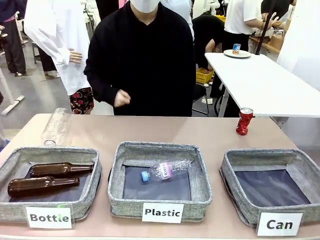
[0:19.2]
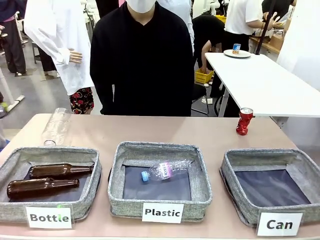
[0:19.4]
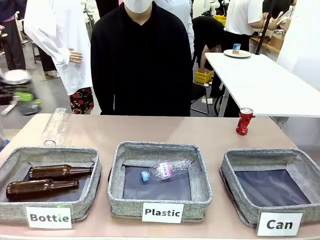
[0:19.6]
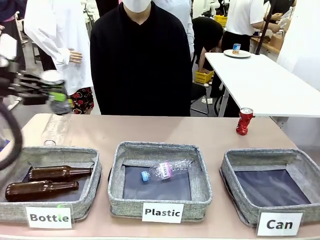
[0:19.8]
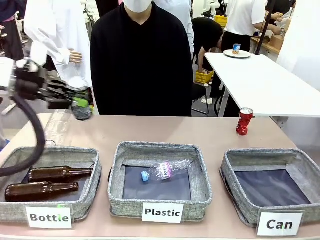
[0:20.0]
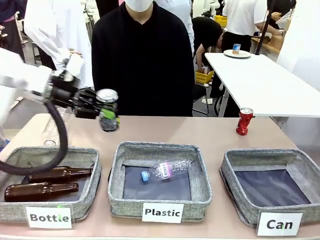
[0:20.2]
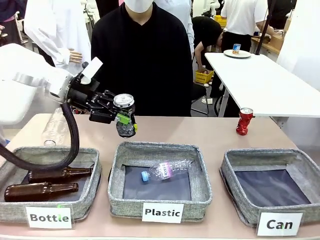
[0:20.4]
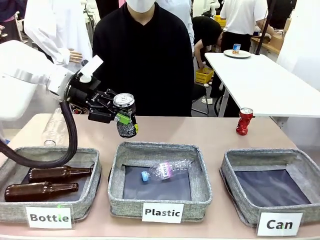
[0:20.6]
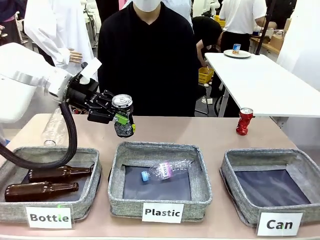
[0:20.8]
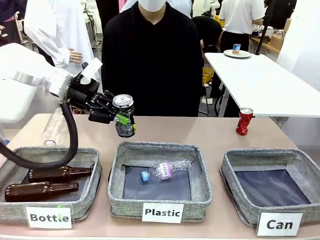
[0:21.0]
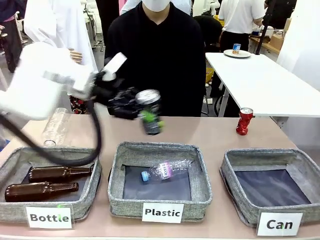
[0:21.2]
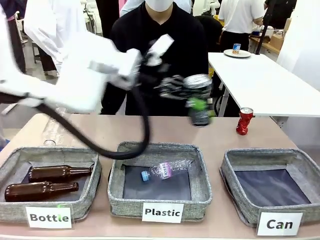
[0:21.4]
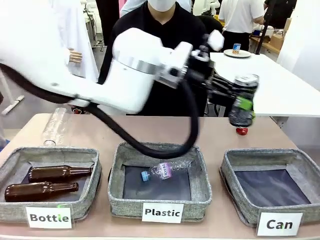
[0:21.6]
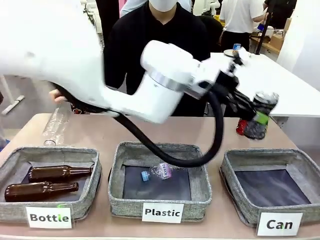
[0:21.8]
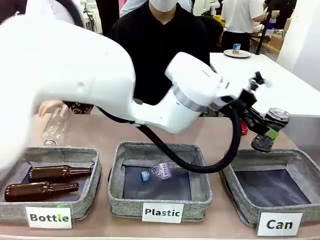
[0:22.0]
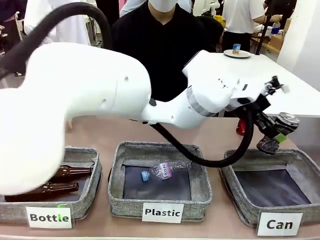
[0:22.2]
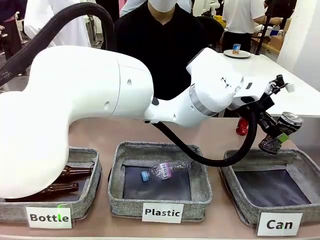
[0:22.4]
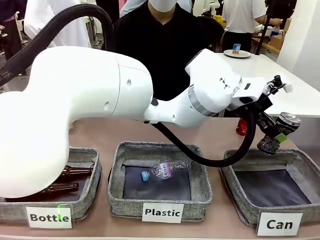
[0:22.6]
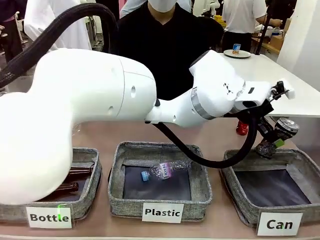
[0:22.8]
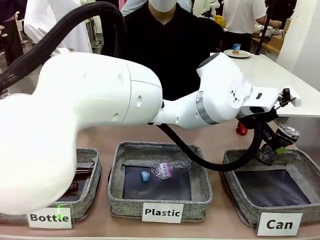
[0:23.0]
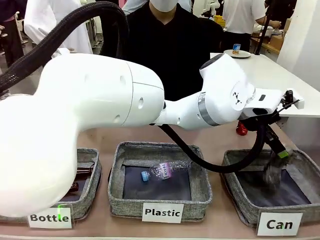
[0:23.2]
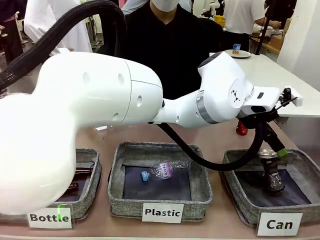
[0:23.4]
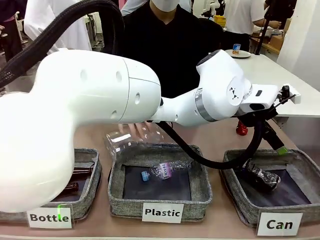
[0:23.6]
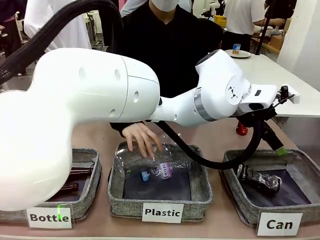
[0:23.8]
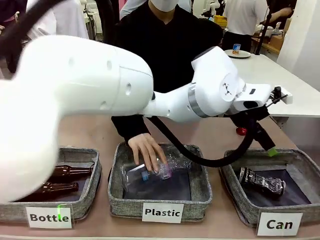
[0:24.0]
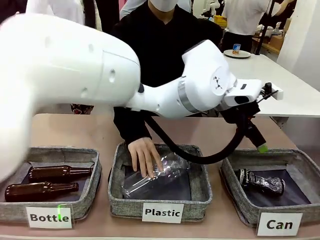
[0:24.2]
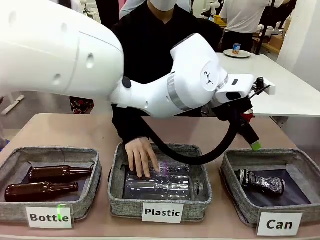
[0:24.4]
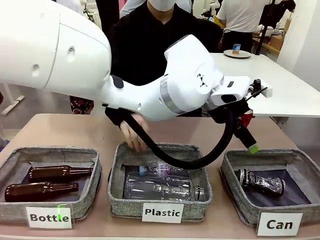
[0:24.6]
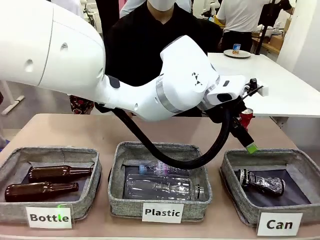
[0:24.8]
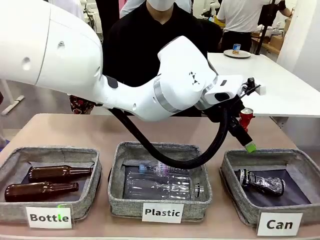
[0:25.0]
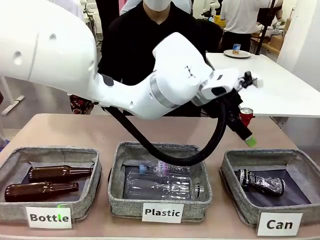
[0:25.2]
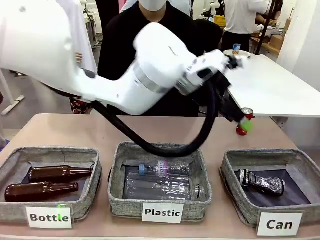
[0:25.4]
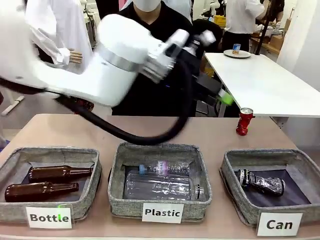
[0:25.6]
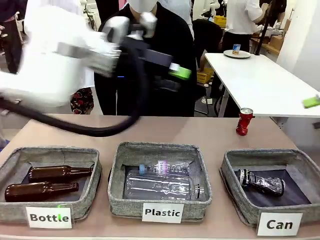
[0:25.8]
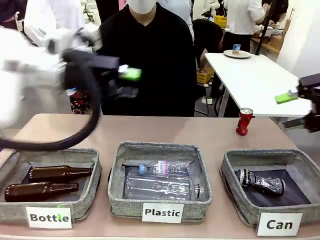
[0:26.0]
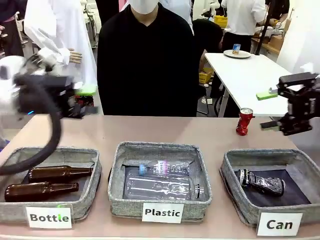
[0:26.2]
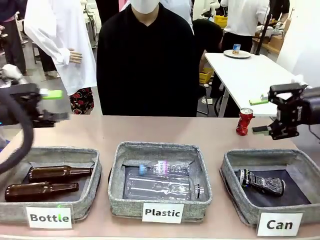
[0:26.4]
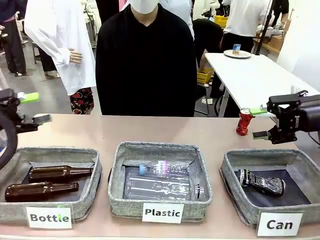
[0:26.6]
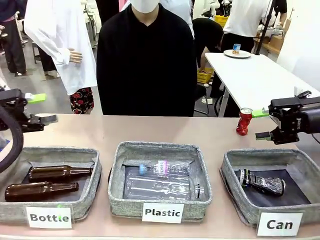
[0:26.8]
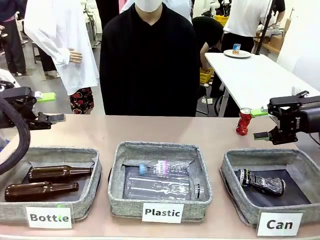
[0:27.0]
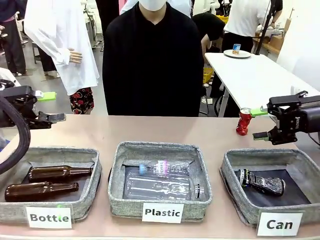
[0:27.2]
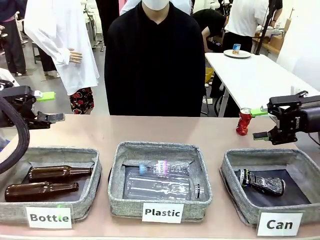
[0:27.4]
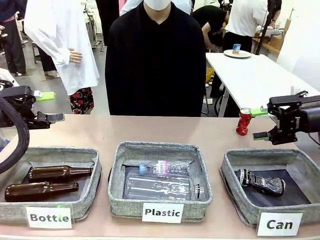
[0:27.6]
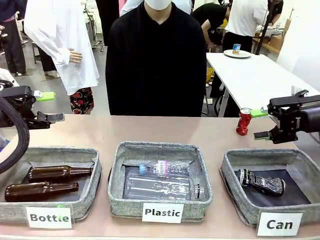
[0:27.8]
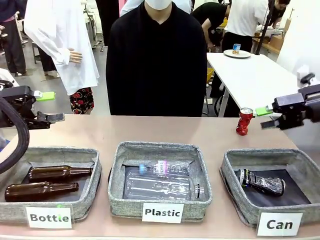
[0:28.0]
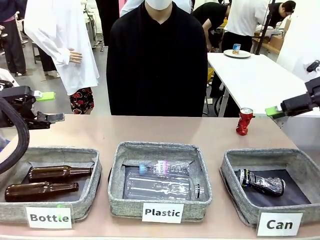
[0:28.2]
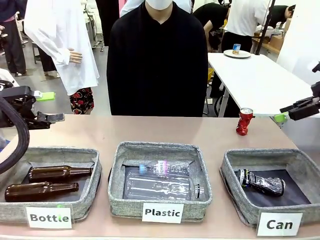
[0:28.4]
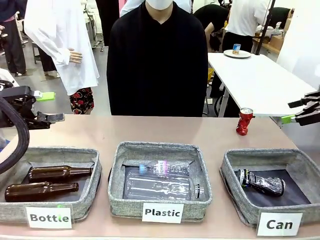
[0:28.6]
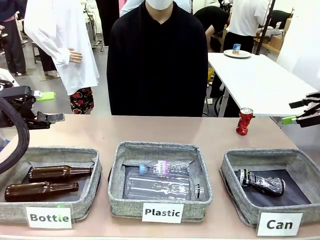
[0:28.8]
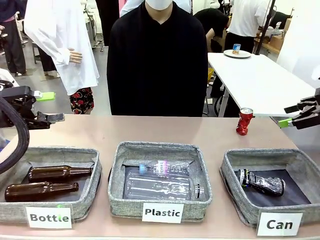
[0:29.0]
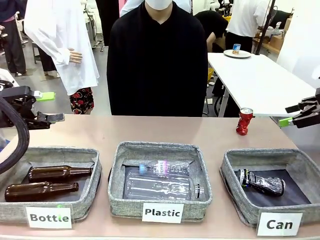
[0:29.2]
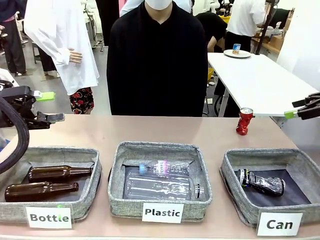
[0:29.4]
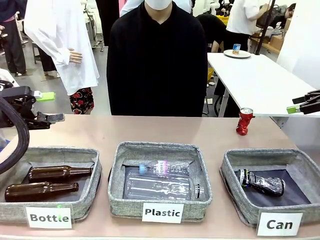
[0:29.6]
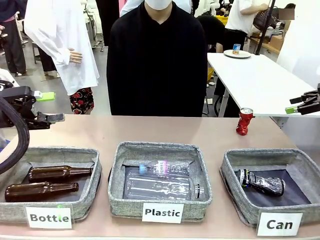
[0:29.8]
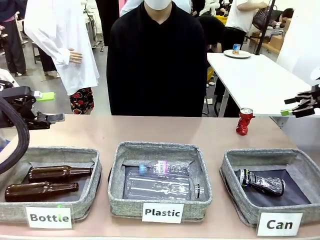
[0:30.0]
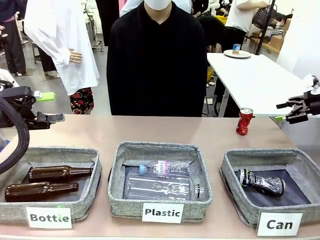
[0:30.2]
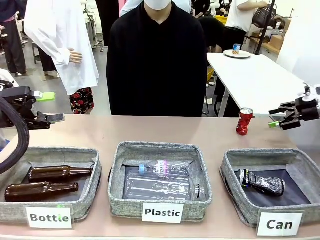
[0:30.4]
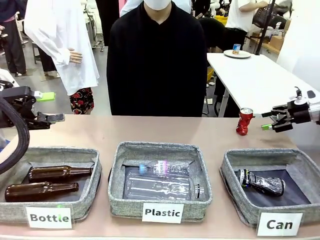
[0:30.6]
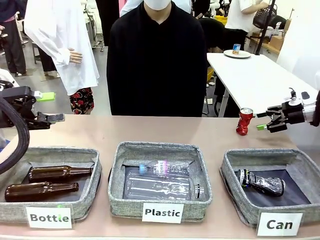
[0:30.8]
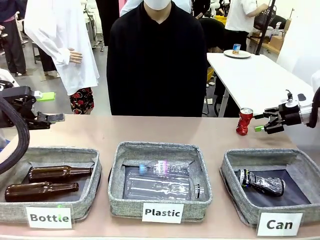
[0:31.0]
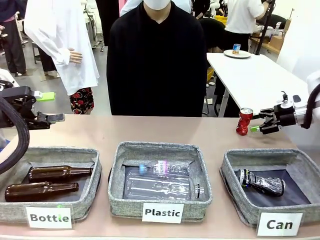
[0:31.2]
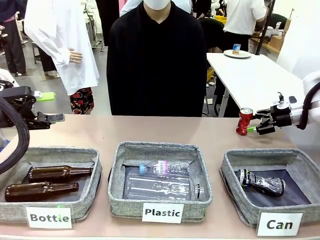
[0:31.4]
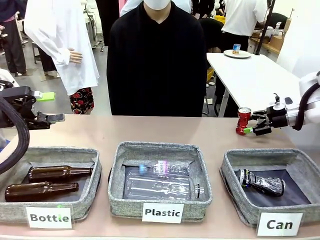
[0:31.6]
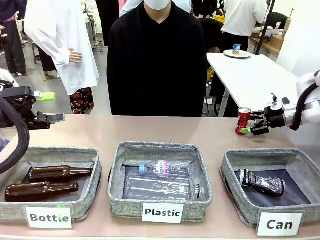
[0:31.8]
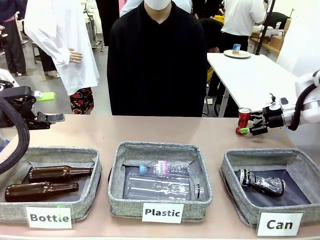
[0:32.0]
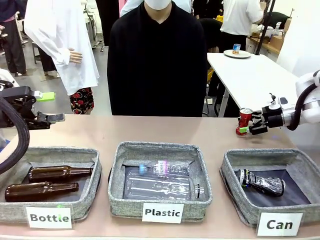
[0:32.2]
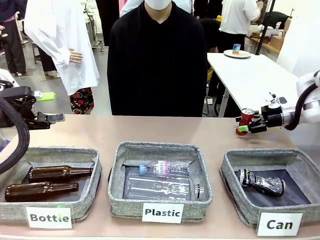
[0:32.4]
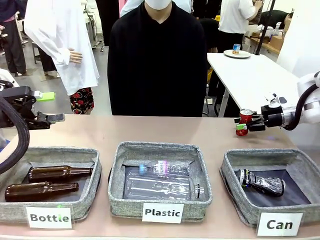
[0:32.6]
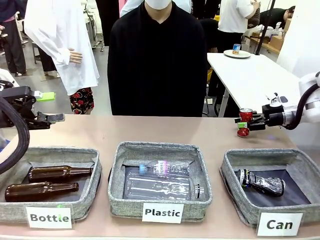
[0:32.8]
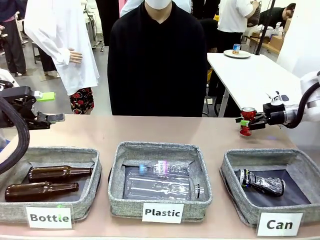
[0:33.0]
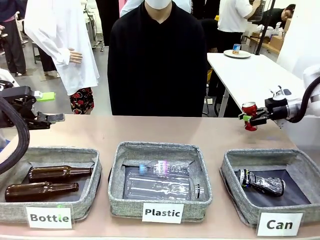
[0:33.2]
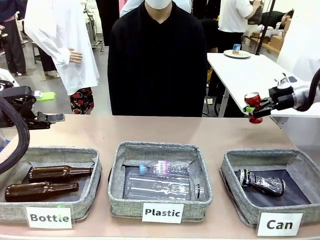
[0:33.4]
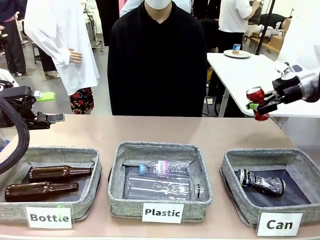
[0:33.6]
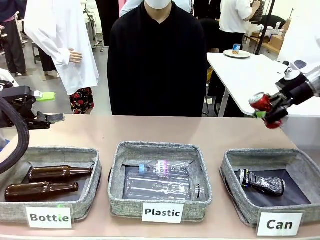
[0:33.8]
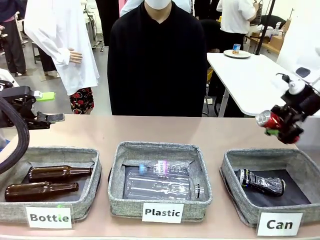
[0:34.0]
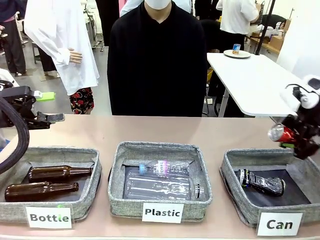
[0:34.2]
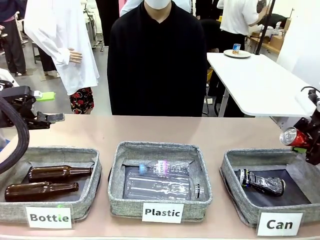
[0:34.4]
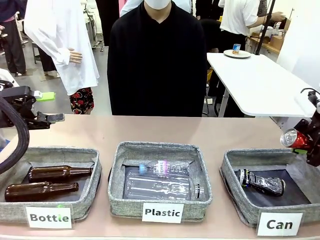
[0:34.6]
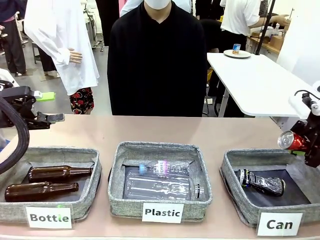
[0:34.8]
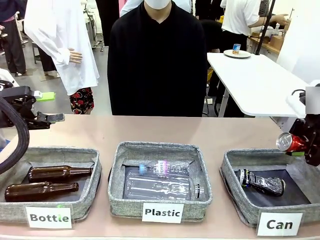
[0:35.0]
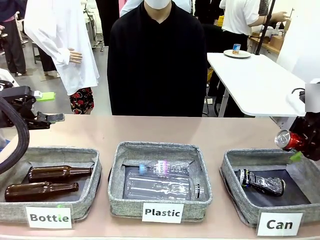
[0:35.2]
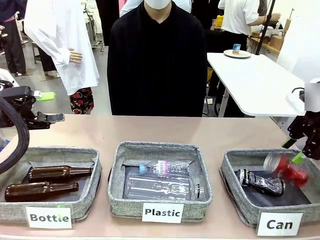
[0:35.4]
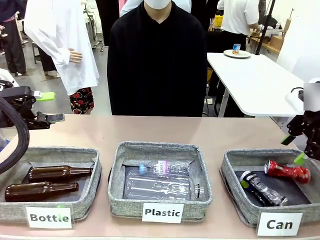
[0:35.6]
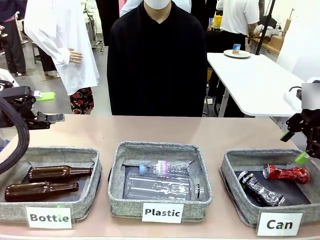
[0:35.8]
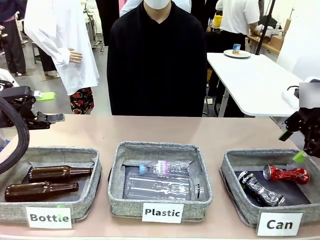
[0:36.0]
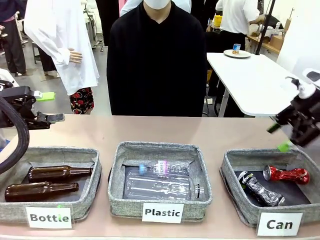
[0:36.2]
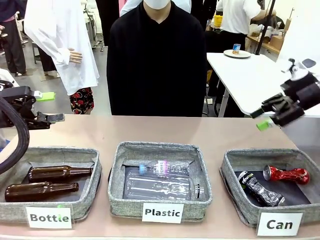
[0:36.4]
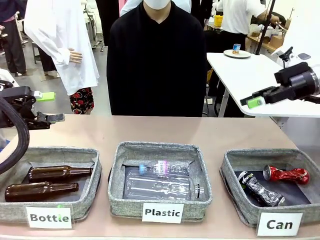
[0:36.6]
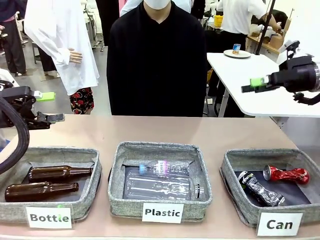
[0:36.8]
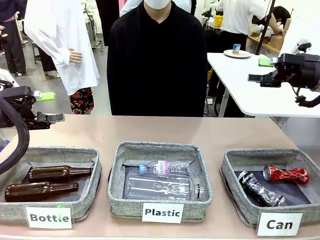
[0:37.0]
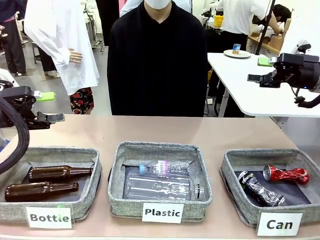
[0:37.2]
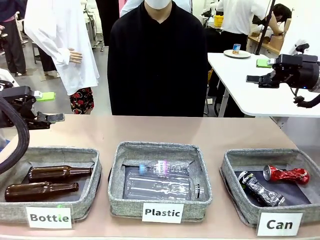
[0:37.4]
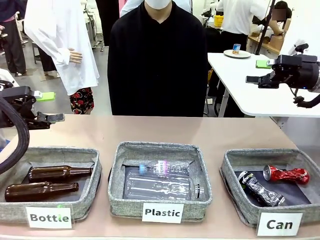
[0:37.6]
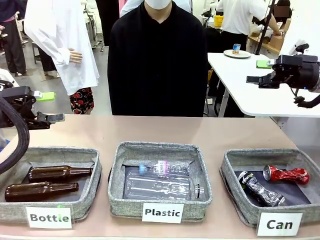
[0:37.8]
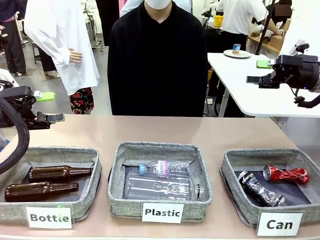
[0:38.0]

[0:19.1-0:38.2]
Task: Sort the can waste into the basket.
Robot: Pick up the can waste from the table and place it in the right Fabric basket.
